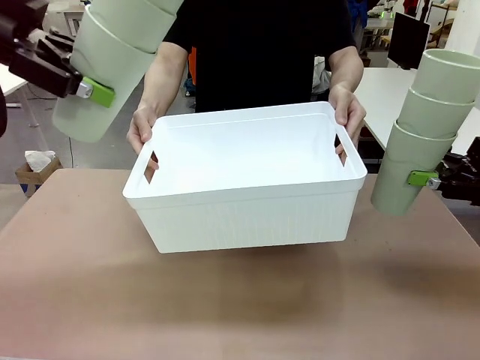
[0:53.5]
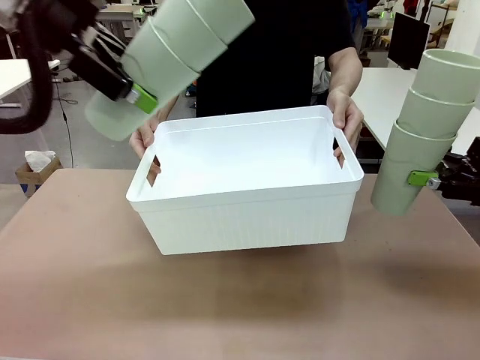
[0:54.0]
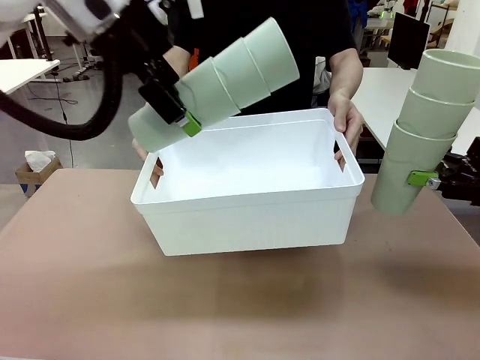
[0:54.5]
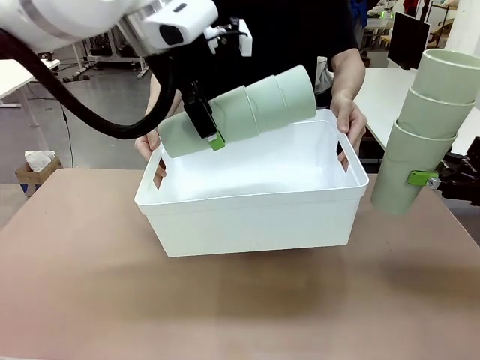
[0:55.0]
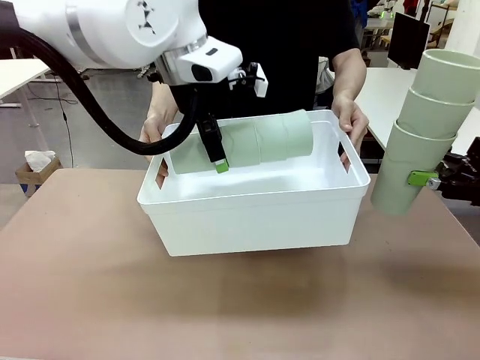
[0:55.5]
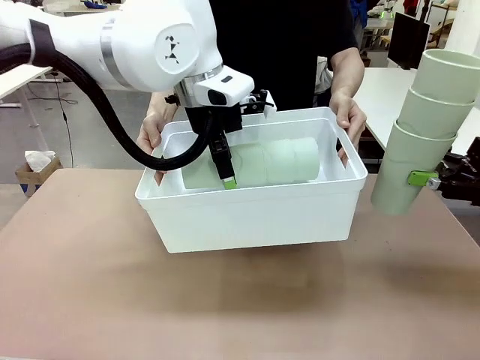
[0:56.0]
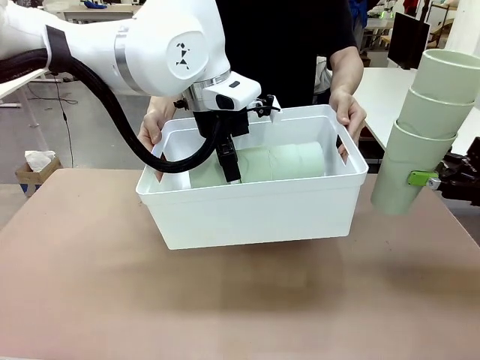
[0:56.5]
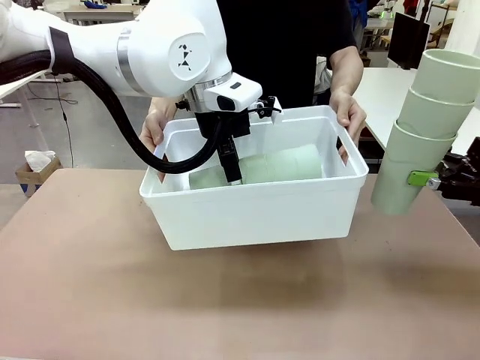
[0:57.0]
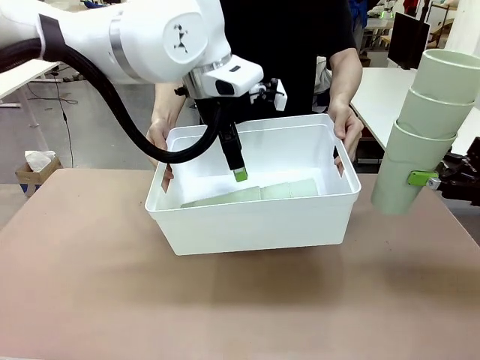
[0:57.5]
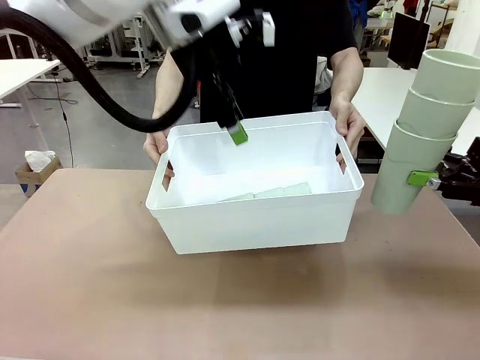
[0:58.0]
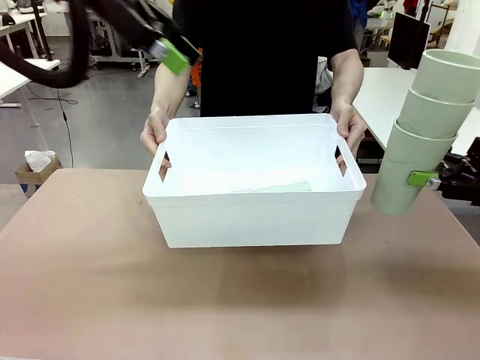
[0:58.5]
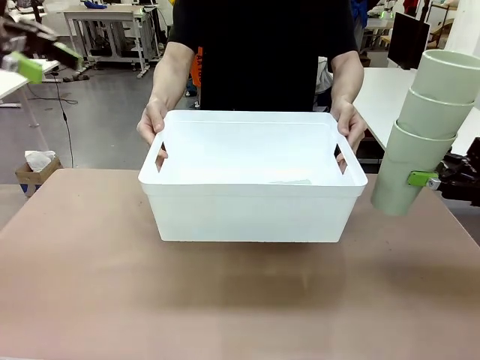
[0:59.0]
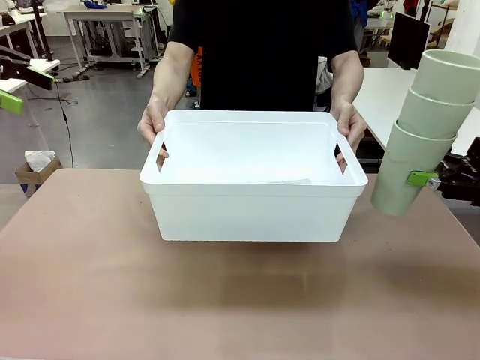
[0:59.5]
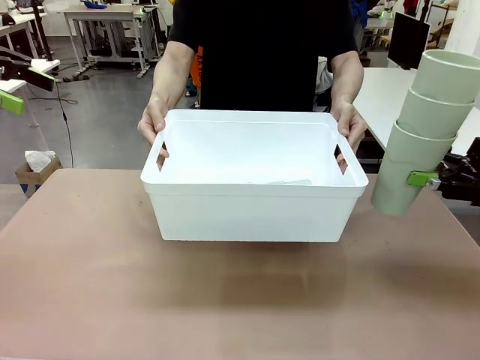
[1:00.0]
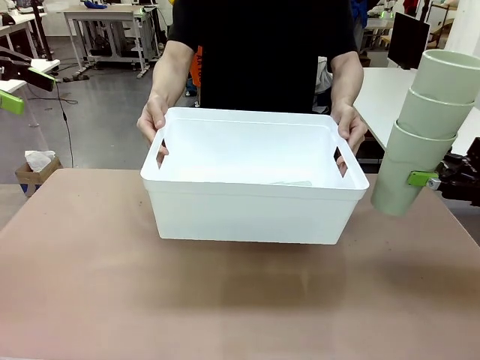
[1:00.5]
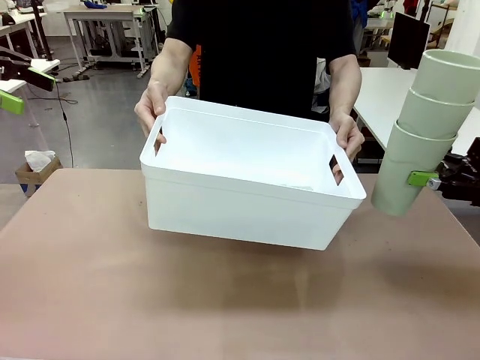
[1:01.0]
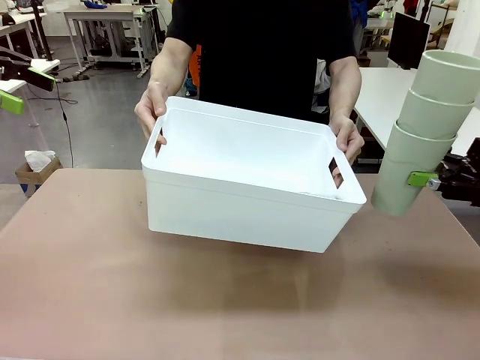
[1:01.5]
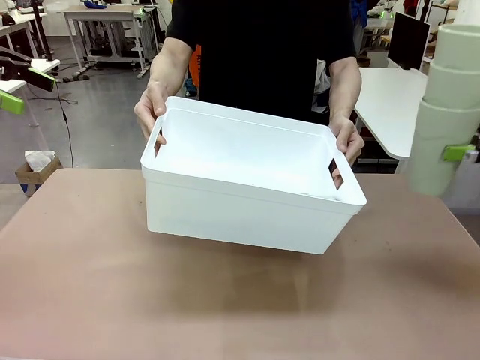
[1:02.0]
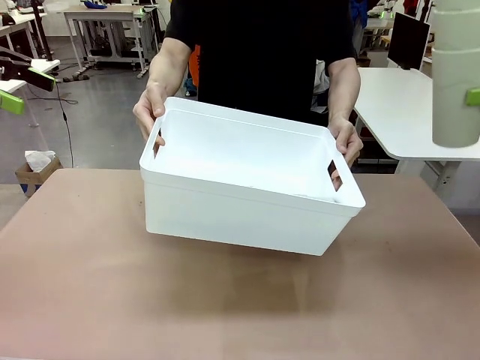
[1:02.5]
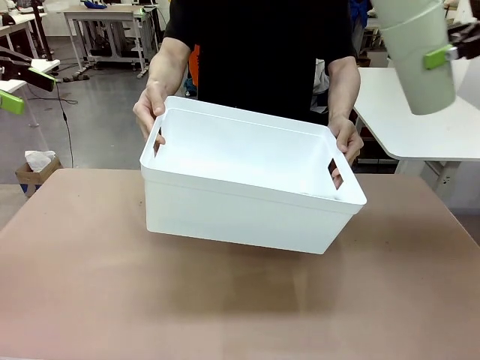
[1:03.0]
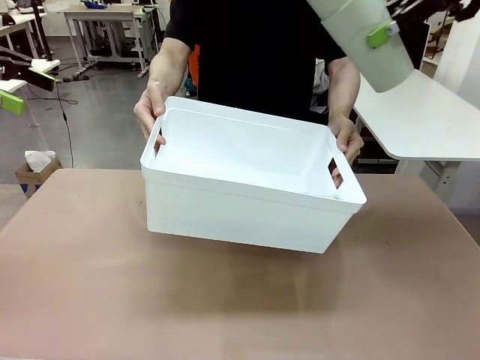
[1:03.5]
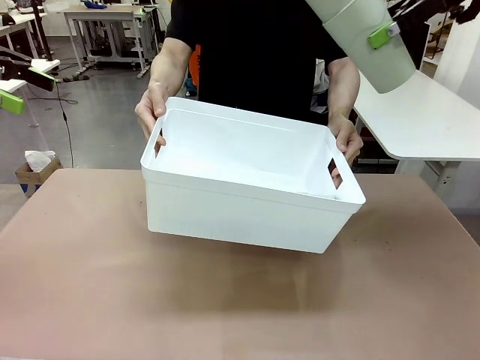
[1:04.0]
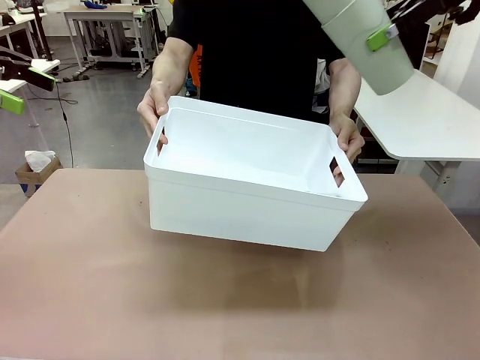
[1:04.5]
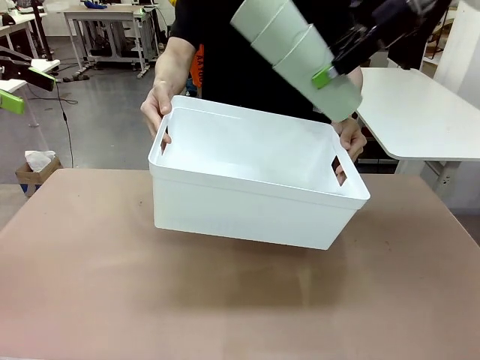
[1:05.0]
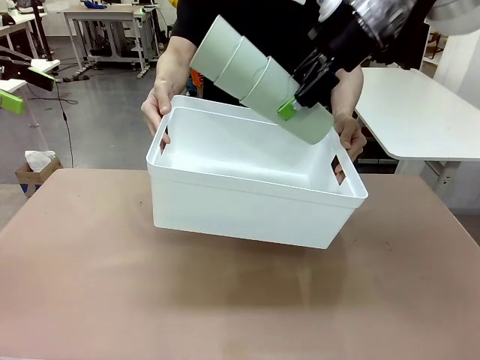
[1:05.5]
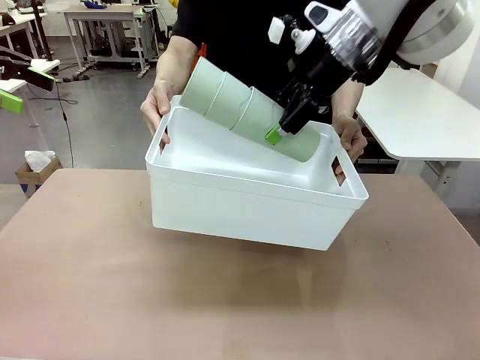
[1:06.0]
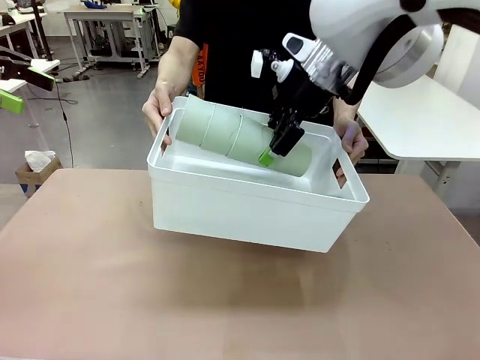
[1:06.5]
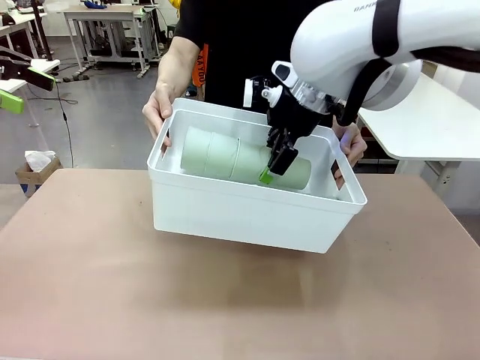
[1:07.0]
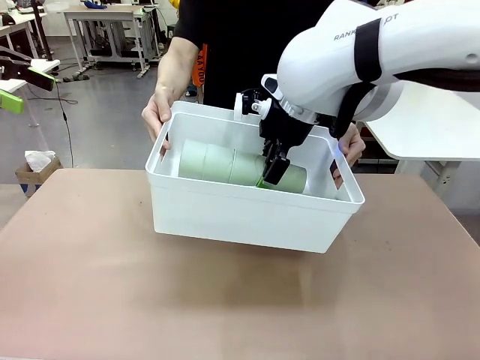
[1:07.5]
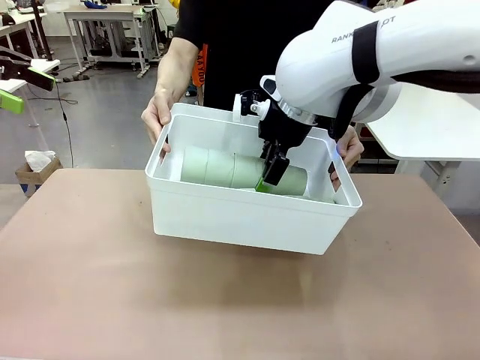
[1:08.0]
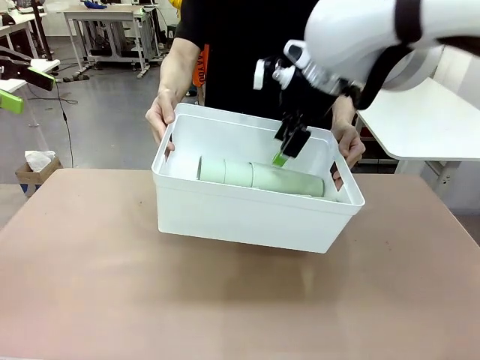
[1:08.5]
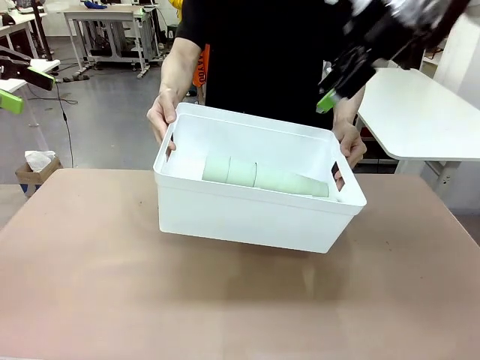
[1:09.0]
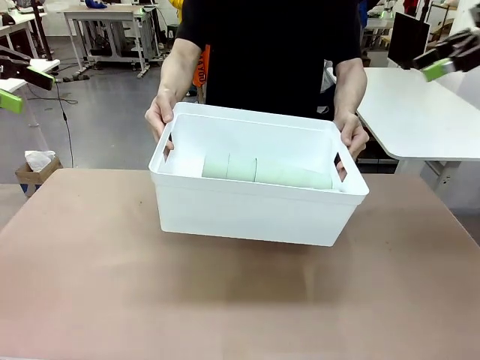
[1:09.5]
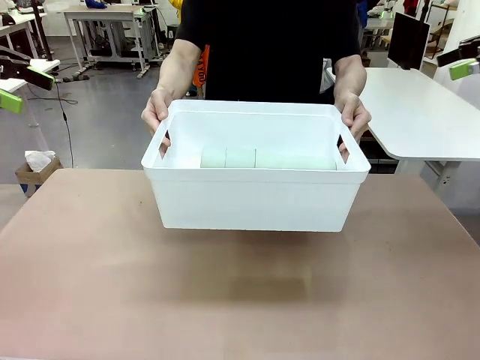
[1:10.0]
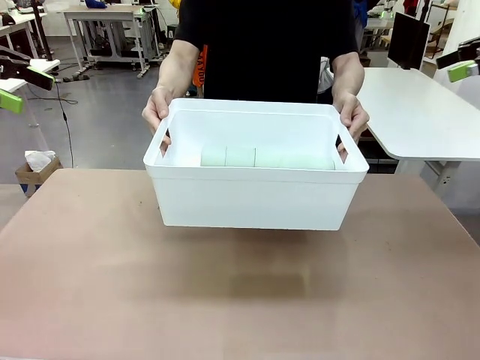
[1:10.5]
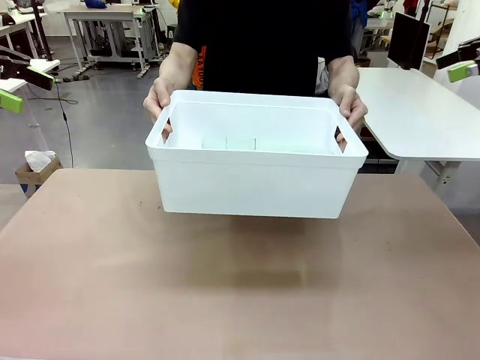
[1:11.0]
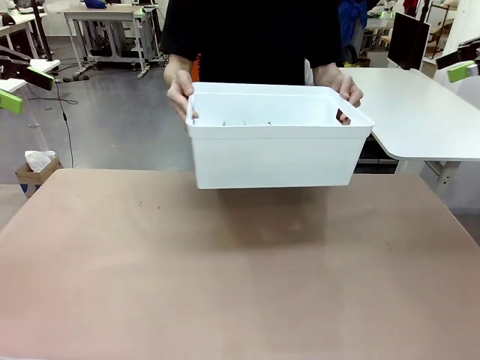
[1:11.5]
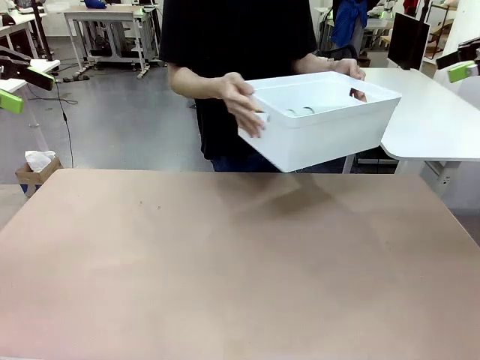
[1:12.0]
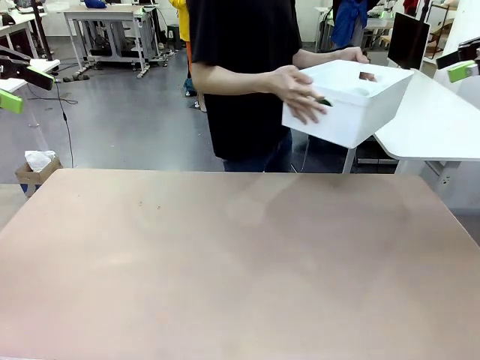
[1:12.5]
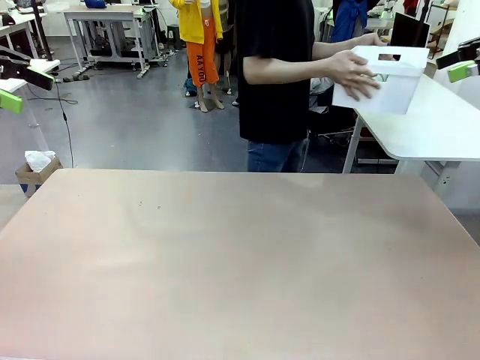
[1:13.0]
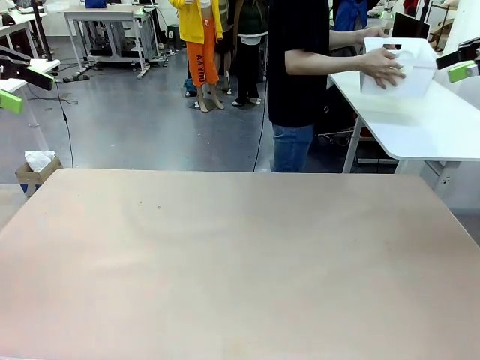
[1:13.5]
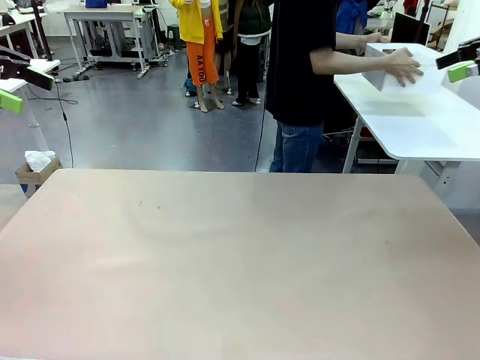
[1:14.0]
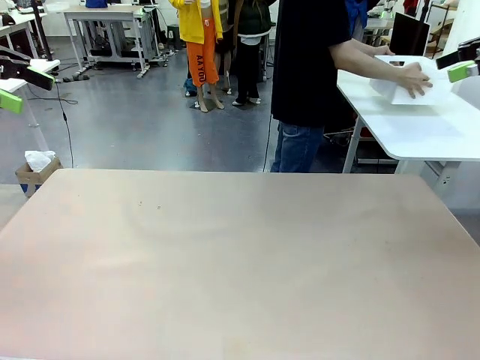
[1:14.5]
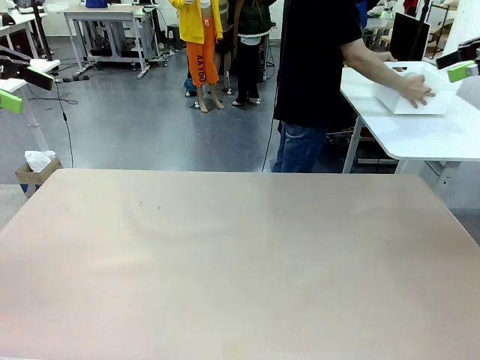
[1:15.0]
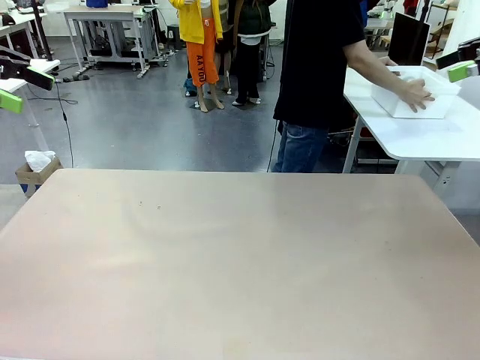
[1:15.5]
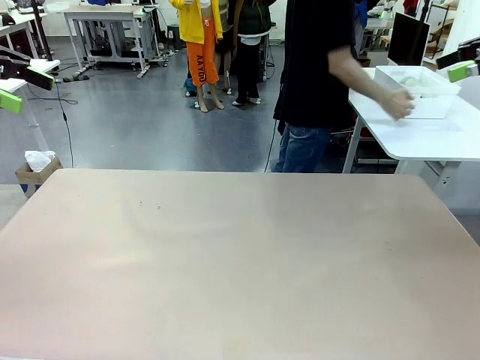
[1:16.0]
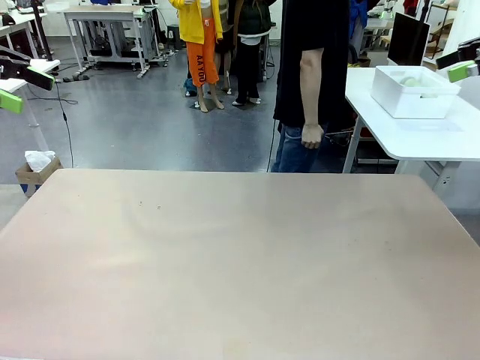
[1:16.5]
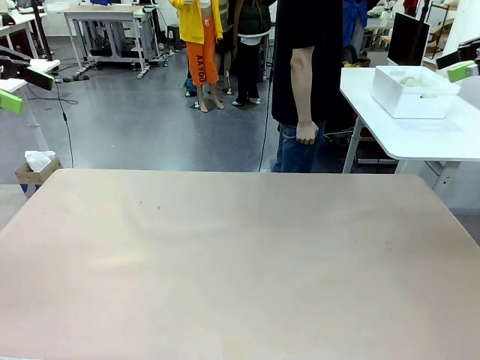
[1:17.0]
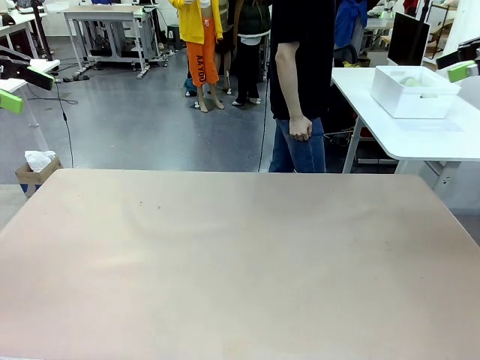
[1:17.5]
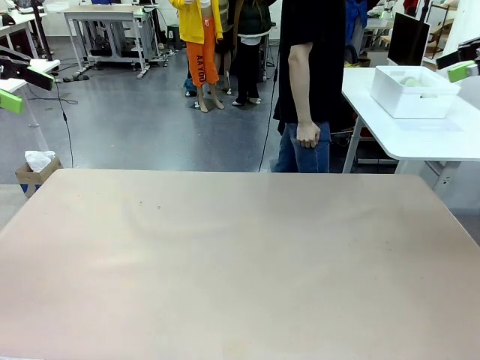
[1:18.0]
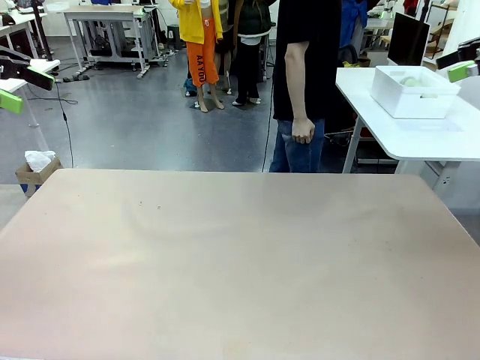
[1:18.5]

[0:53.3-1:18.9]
Task: Stack the cups and store them in the basket.
Robot: Place the stack of Reusable plastic cups into the Pantry Basket.
Person: Place the basket containing the cups in the middle of the Human Table.
